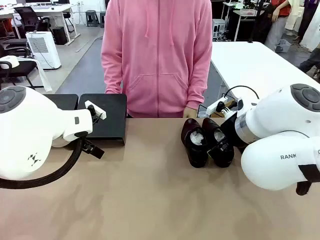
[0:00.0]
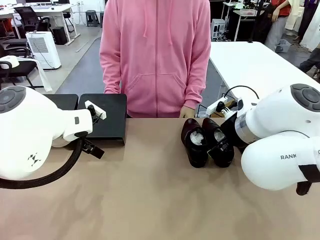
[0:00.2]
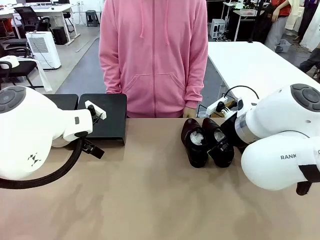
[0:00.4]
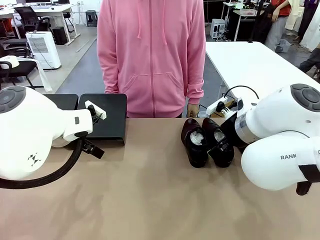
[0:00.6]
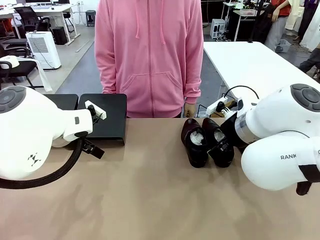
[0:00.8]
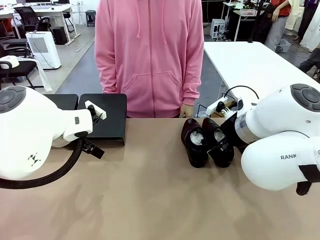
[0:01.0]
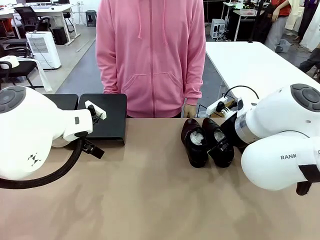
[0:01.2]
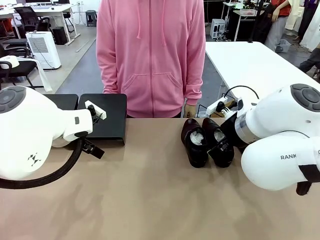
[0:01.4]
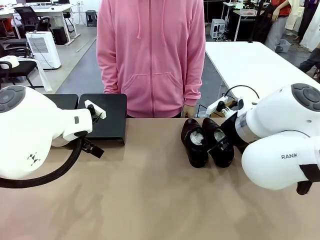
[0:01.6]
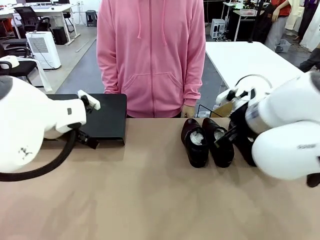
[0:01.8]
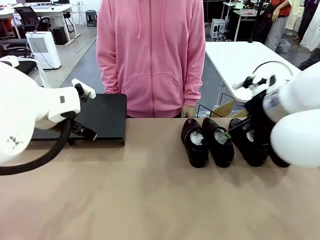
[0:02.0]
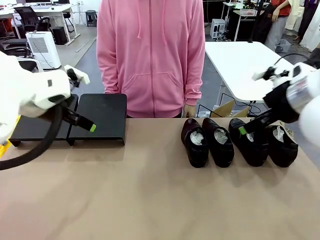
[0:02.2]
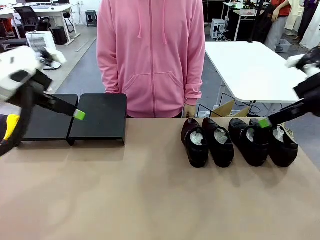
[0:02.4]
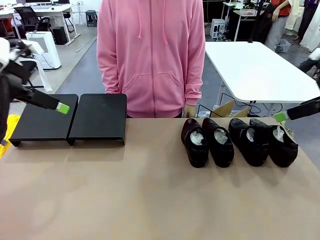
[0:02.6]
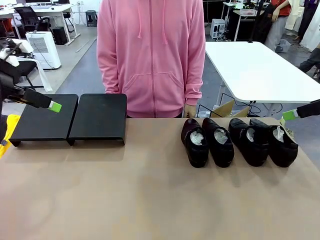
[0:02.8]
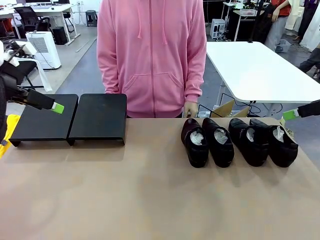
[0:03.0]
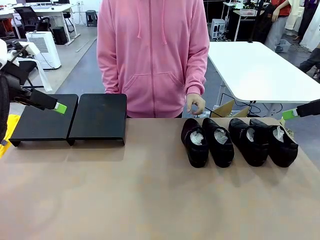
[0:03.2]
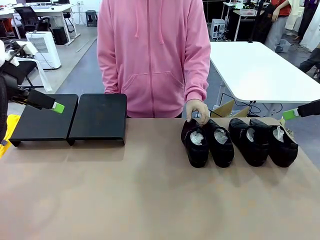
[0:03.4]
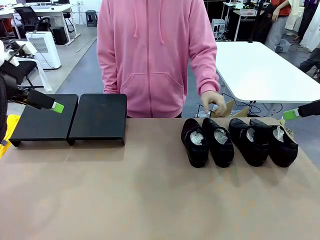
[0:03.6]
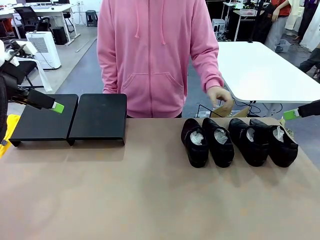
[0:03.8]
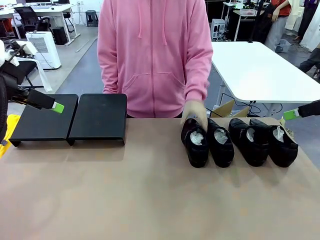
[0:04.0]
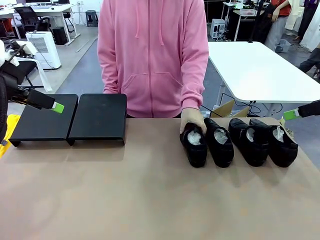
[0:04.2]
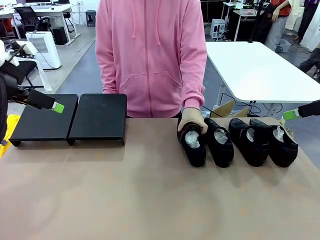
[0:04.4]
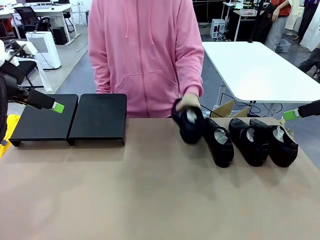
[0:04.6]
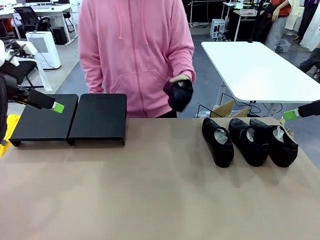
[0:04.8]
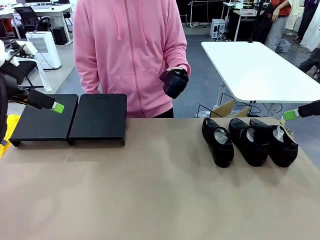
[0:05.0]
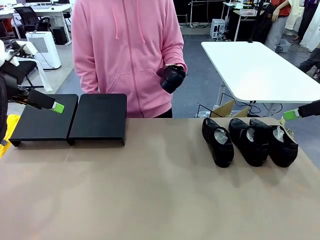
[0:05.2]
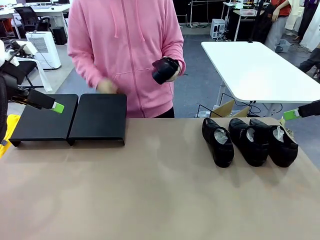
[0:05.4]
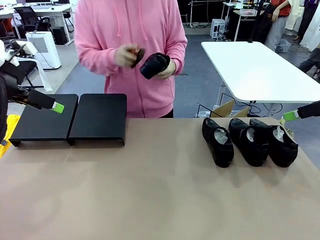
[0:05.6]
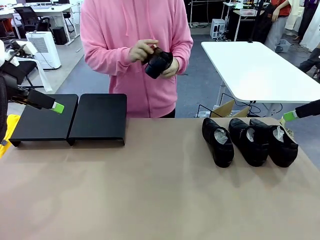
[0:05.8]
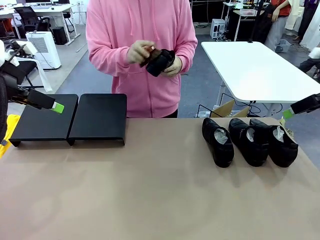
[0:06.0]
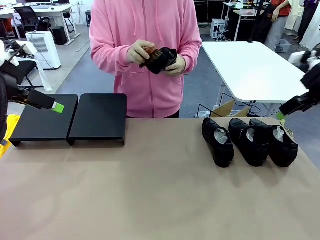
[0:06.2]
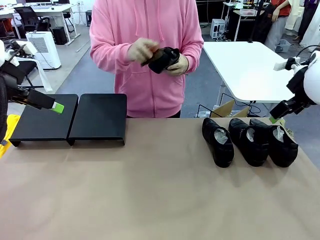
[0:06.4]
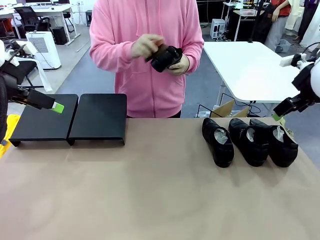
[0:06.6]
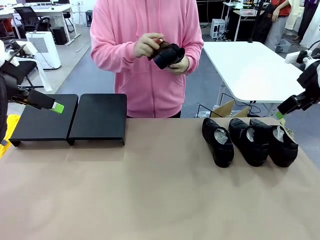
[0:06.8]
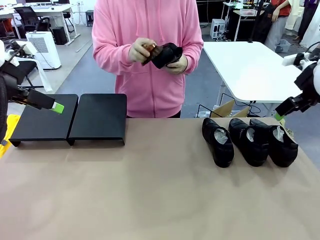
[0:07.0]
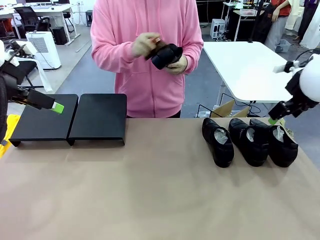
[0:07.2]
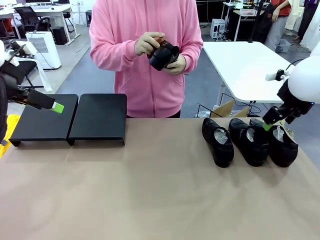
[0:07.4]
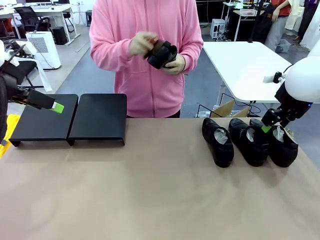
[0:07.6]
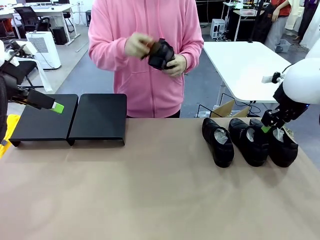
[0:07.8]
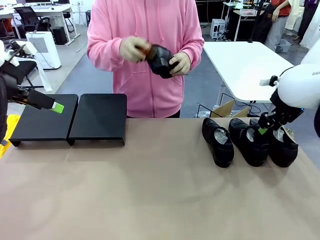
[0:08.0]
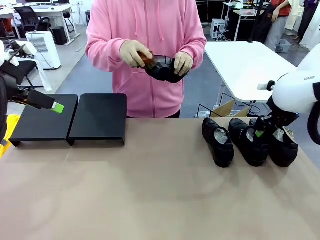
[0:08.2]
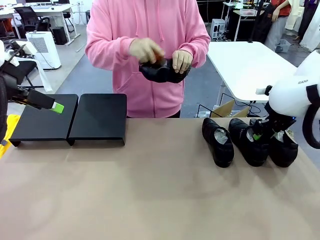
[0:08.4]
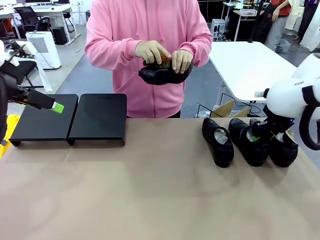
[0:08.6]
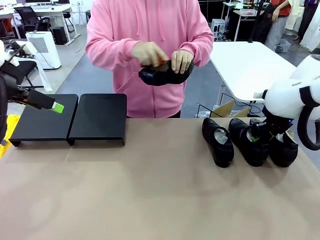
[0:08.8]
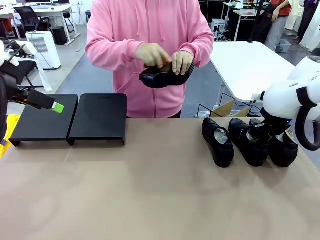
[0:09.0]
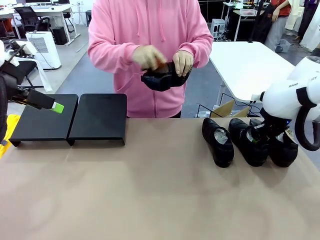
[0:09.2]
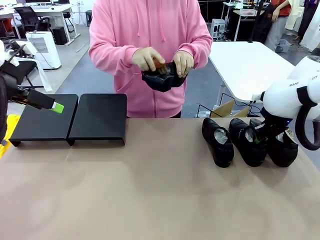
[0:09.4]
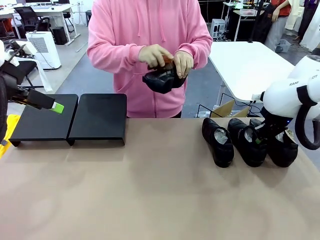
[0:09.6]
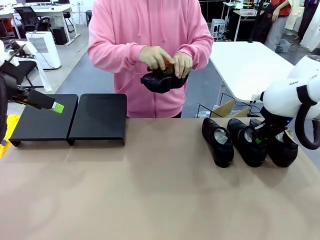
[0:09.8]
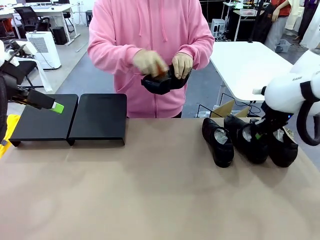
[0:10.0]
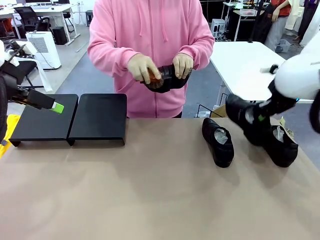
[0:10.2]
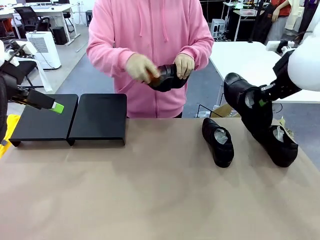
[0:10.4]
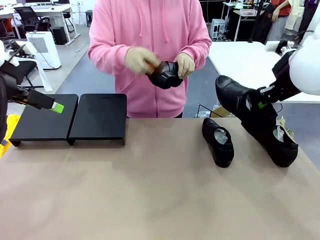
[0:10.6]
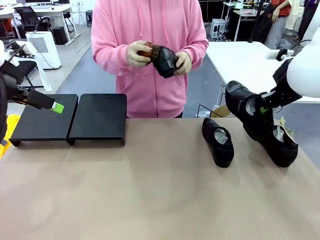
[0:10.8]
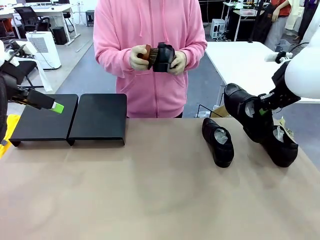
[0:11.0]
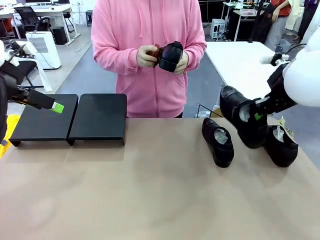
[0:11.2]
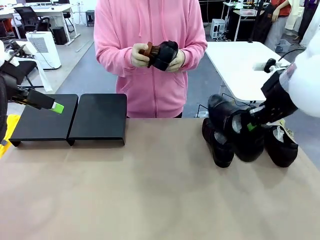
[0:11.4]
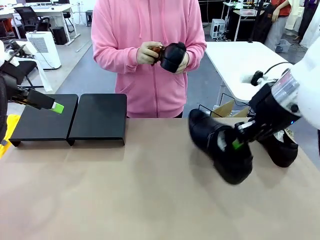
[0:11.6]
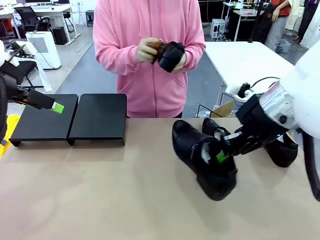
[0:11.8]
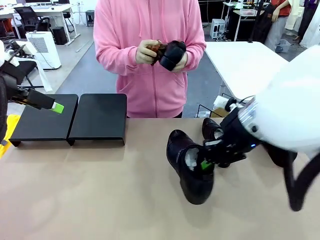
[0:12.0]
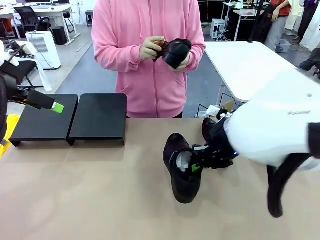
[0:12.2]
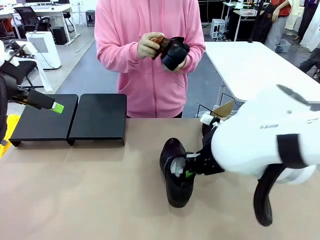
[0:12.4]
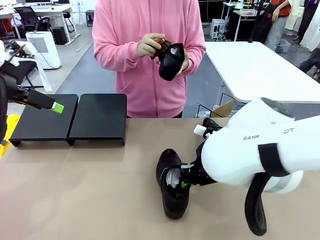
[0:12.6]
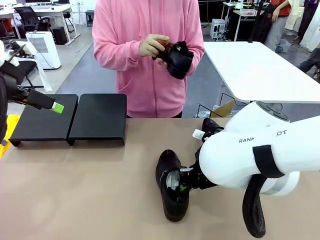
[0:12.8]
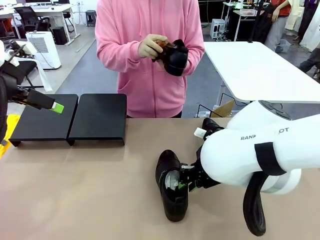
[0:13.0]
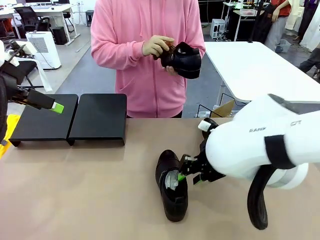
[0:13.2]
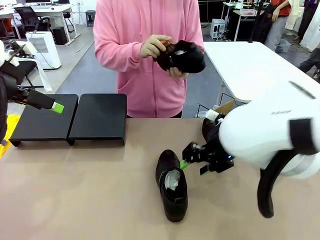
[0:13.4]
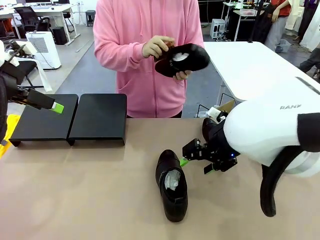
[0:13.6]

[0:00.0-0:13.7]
Task: Organize the shoes by placing them on the stand.
Robot: Pick up one Shoe and place it in the middle of the table.
Person: Pick one Shoe on Robot's table. Clean the Shoe with the Shoe Brush.

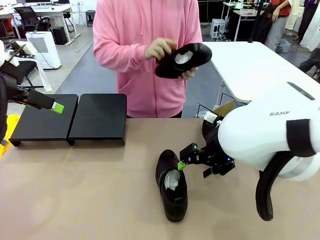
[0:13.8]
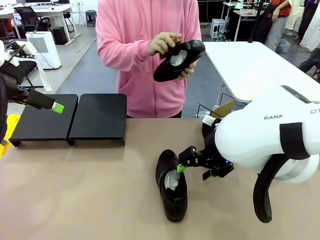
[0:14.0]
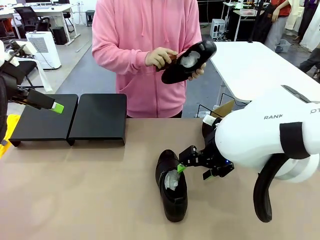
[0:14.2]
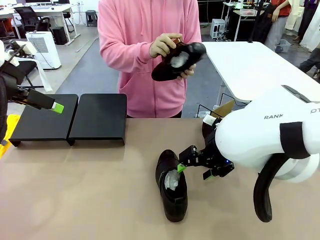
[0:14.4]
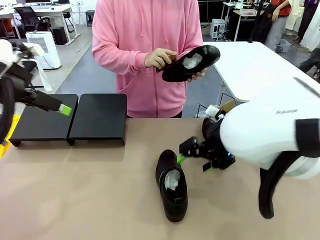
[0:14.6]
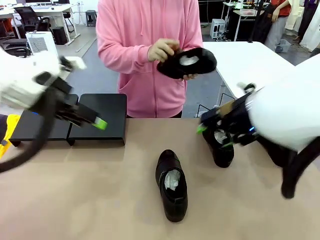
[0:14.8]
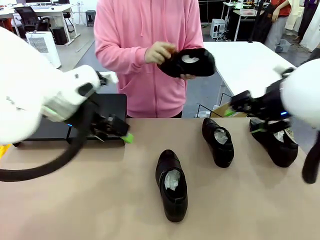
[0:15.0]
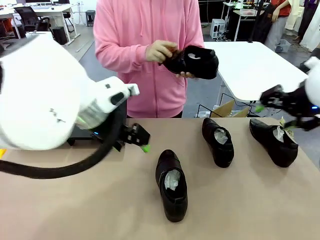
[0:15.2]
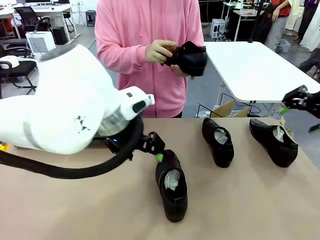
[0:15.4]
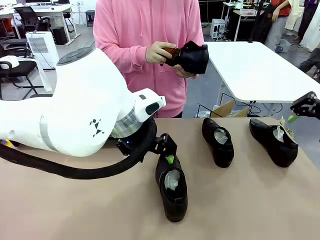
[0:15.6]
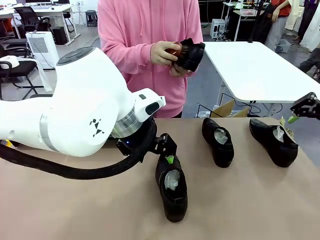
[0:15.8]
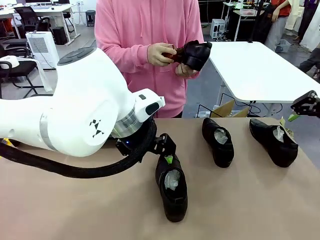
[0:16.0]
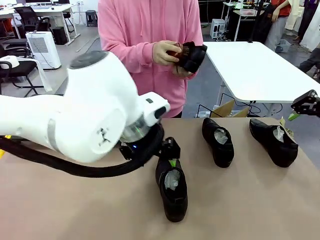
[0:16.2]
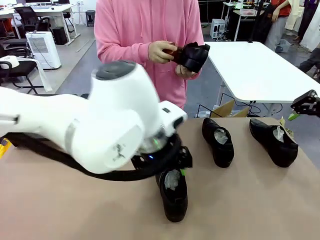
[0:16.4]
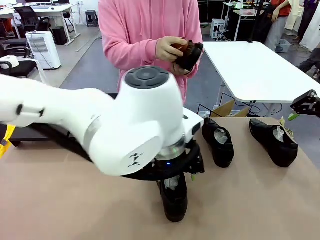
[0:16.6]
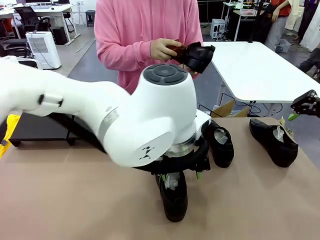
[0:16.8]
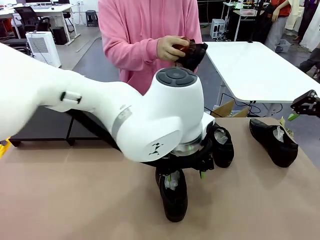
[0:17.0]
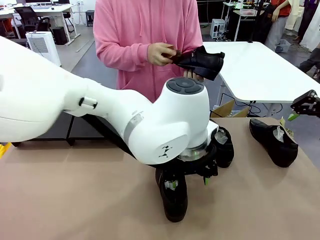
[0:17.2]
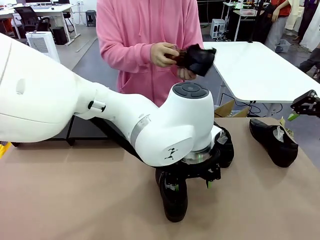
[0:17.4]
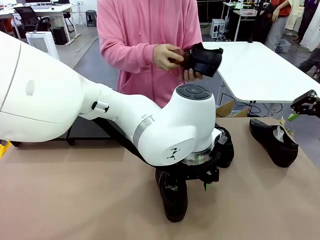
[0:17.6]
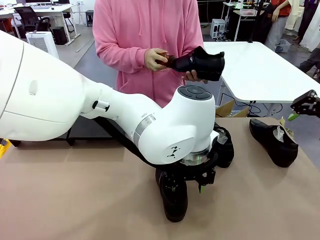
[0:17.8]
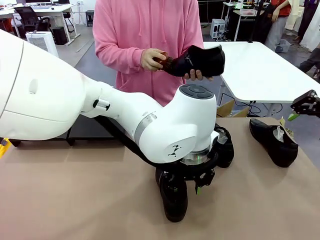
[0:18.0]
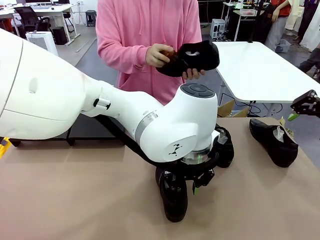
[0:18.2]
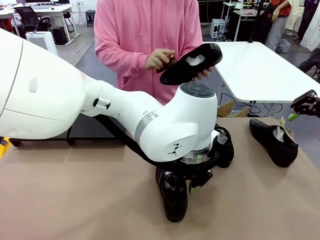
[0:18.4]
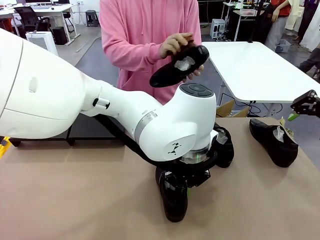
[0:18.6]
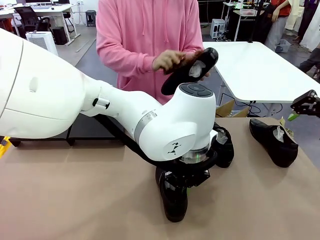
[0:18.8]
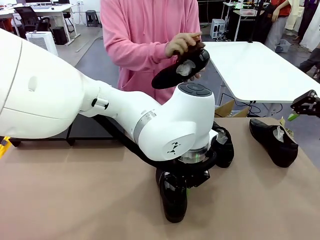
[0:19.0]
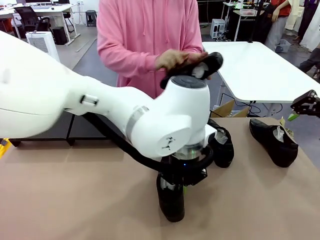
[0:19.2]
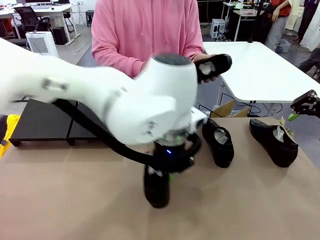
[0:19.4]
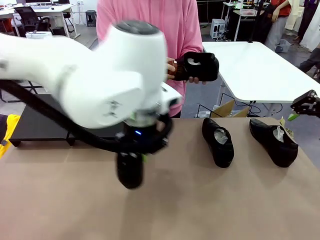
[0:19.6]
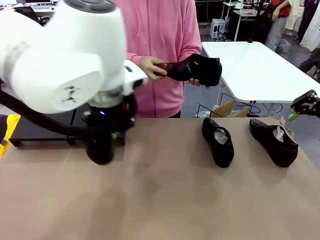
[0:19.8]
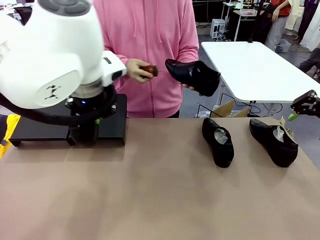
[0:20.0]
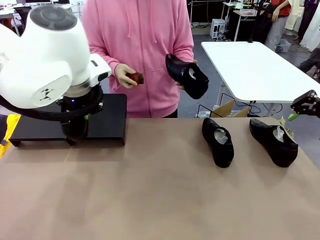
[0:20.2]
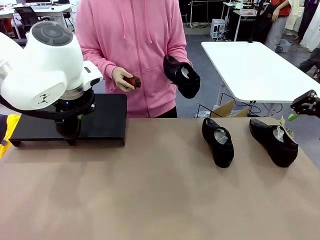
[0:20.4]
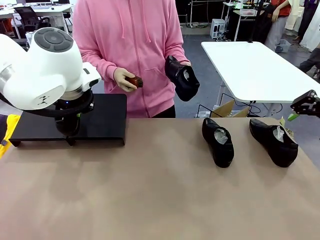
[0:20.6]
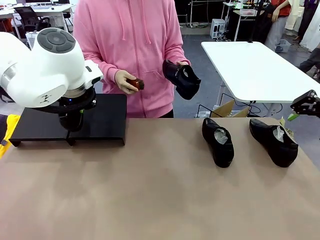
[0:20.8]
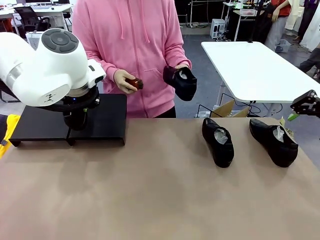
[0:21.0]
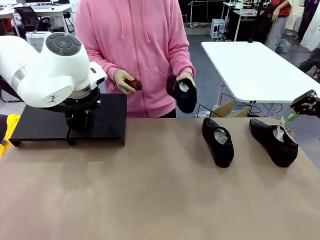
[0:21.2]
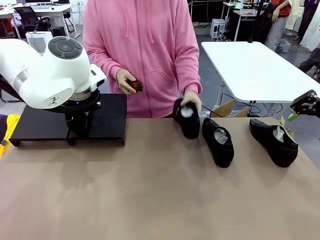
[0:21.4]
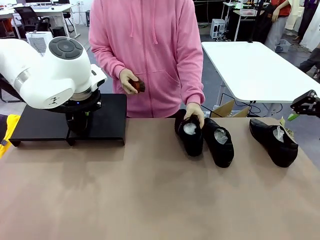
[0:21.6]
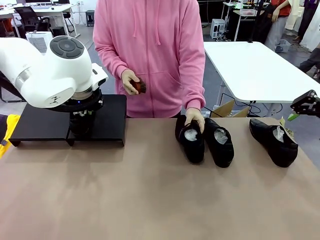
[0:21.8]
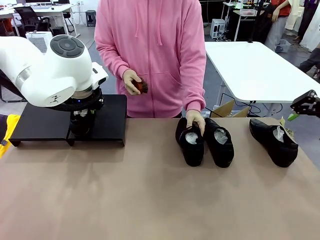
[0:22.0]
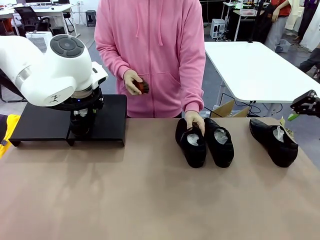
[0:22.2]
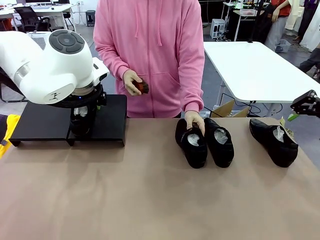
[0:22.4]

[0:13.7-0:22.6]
Robot: Place the Shoe from the middle of the table onto the Shoes Stand.
Person: Place the Shoe on left side of the Robot's table.
